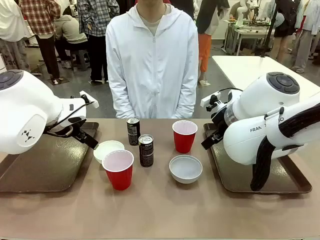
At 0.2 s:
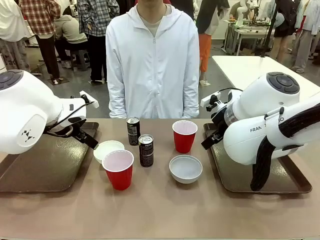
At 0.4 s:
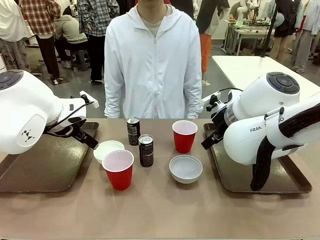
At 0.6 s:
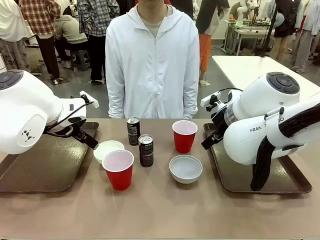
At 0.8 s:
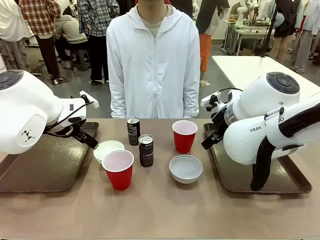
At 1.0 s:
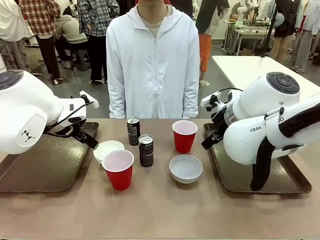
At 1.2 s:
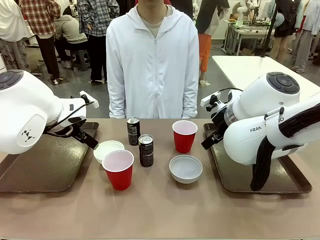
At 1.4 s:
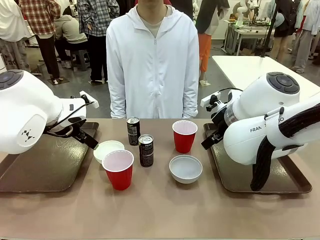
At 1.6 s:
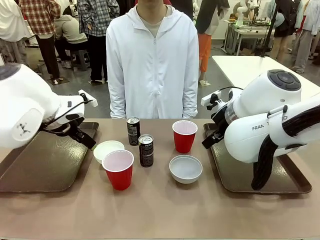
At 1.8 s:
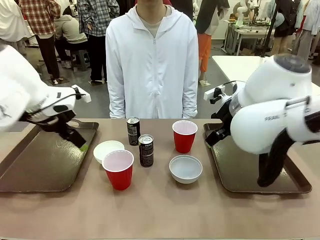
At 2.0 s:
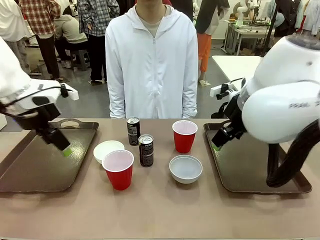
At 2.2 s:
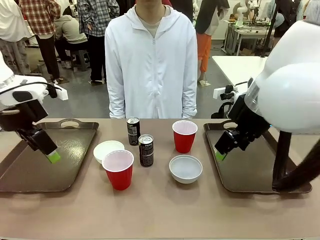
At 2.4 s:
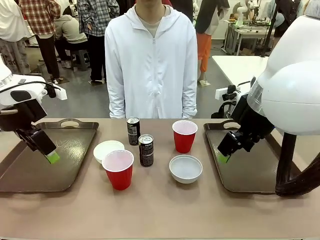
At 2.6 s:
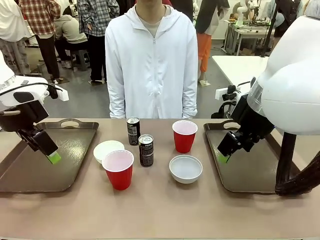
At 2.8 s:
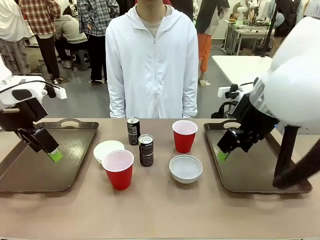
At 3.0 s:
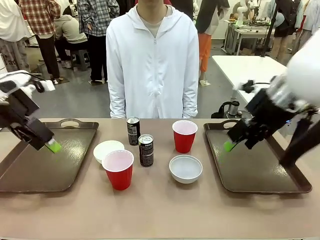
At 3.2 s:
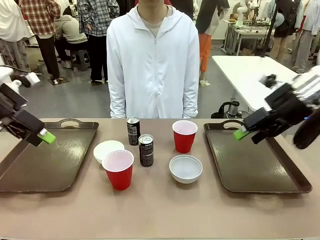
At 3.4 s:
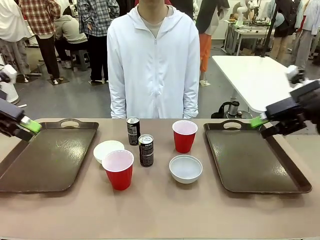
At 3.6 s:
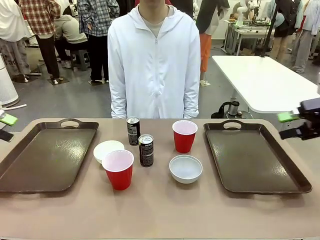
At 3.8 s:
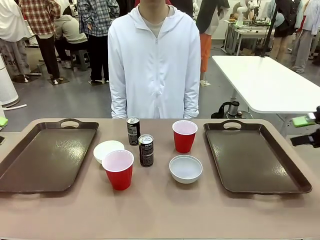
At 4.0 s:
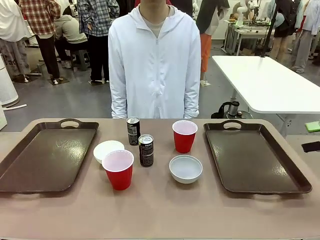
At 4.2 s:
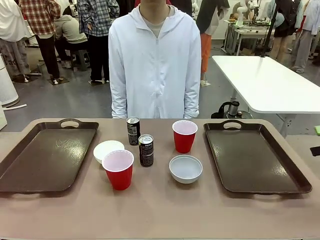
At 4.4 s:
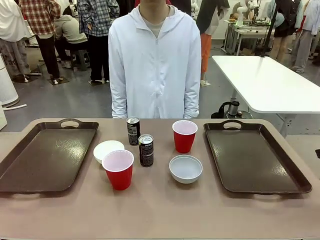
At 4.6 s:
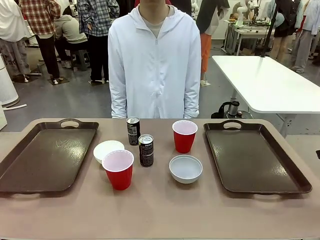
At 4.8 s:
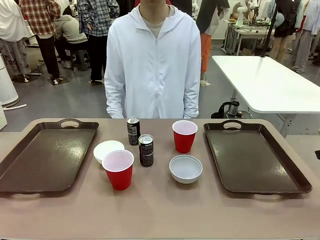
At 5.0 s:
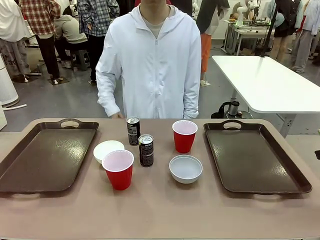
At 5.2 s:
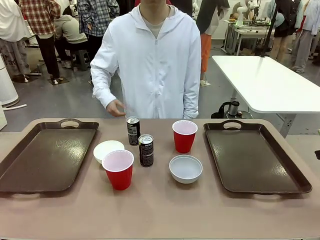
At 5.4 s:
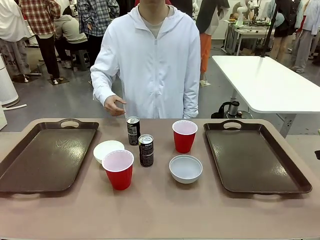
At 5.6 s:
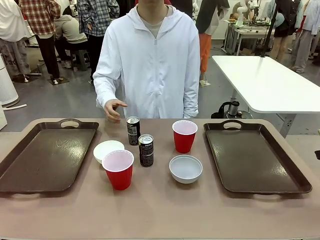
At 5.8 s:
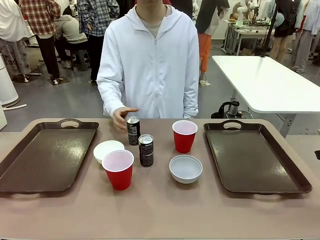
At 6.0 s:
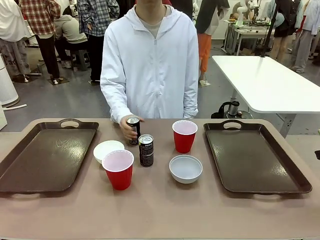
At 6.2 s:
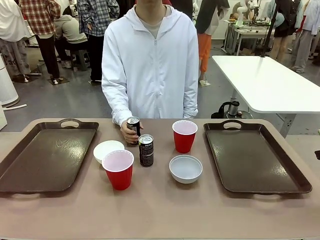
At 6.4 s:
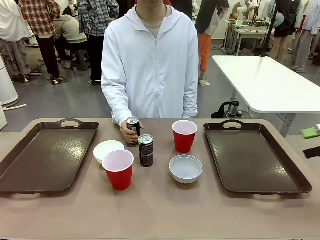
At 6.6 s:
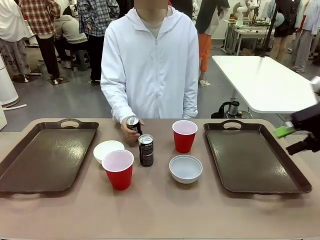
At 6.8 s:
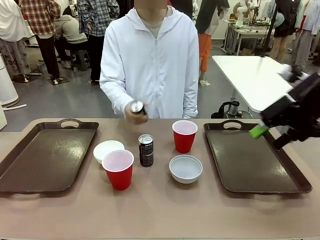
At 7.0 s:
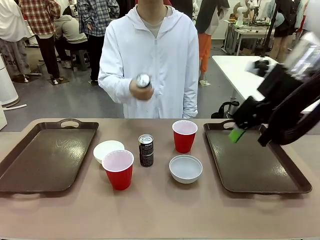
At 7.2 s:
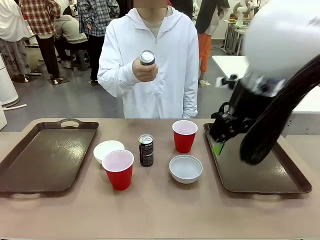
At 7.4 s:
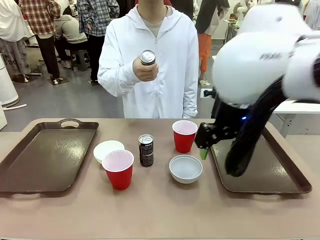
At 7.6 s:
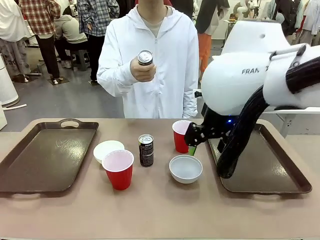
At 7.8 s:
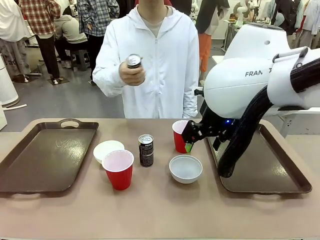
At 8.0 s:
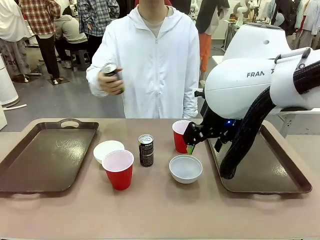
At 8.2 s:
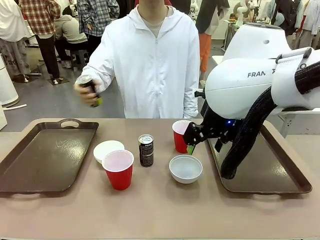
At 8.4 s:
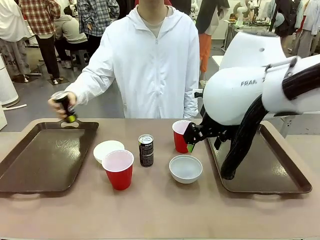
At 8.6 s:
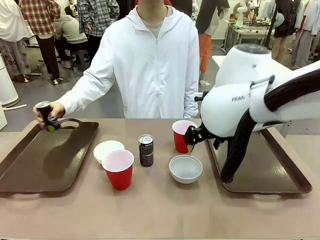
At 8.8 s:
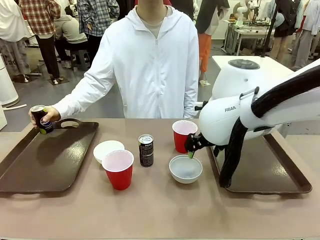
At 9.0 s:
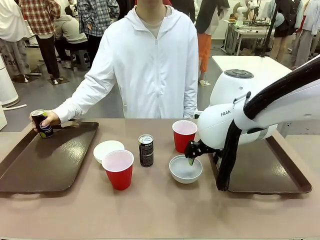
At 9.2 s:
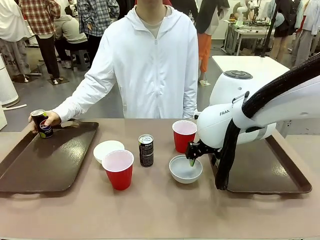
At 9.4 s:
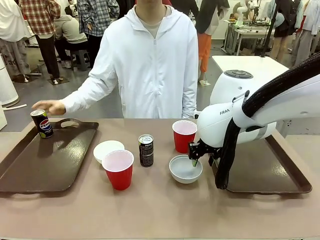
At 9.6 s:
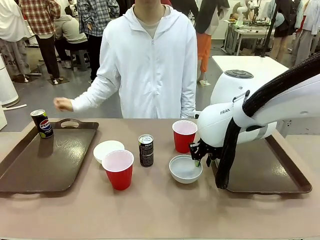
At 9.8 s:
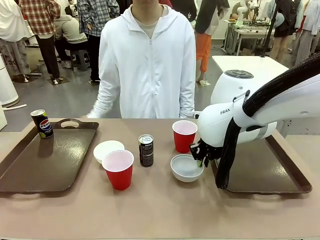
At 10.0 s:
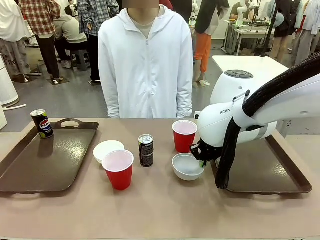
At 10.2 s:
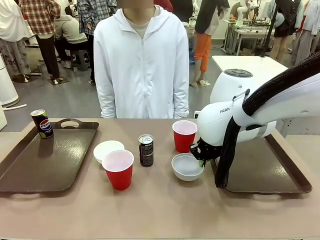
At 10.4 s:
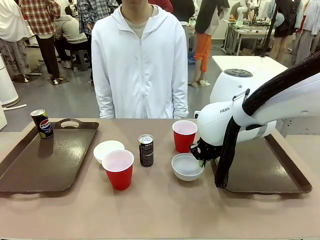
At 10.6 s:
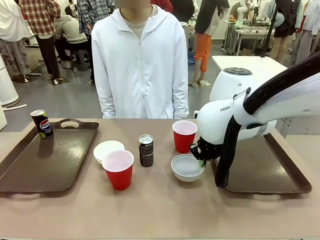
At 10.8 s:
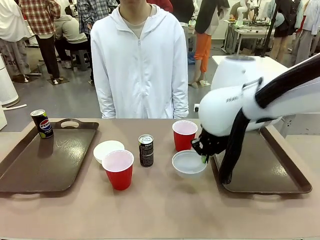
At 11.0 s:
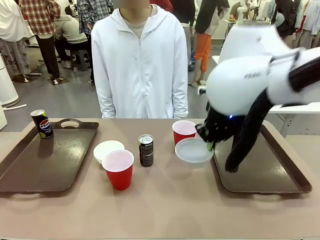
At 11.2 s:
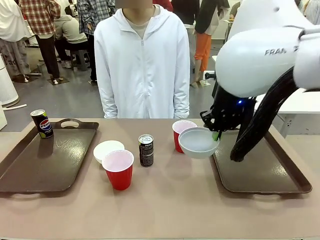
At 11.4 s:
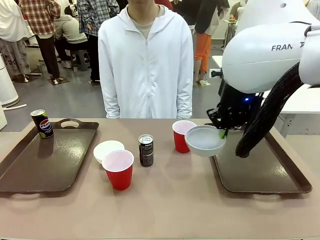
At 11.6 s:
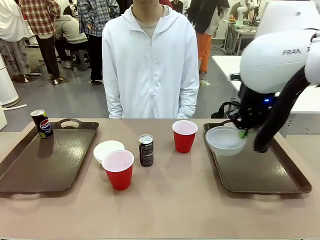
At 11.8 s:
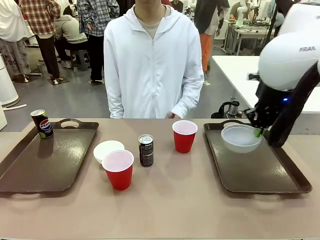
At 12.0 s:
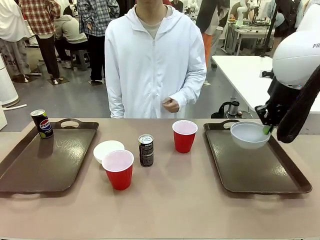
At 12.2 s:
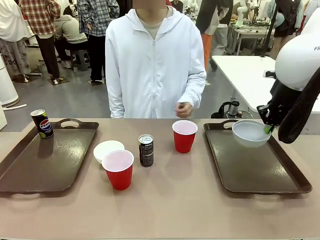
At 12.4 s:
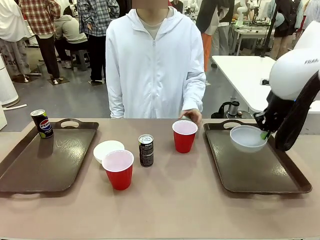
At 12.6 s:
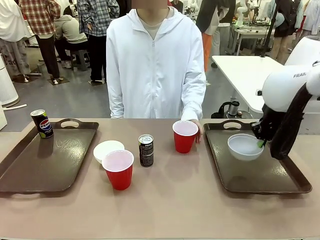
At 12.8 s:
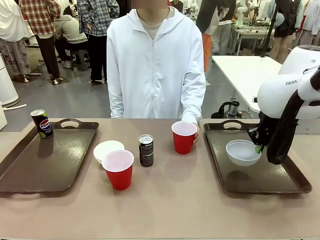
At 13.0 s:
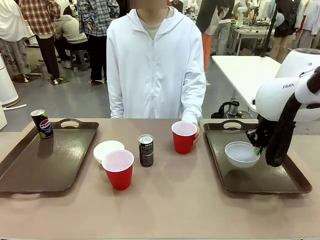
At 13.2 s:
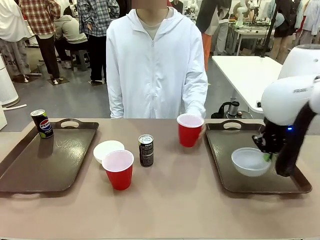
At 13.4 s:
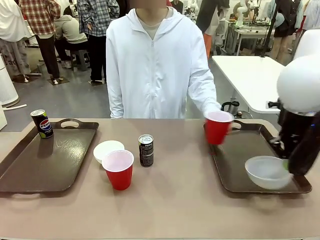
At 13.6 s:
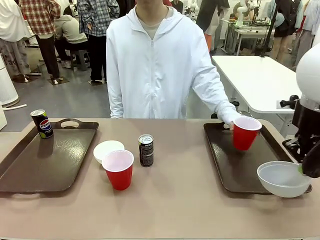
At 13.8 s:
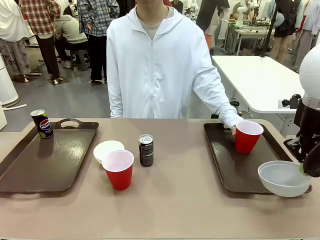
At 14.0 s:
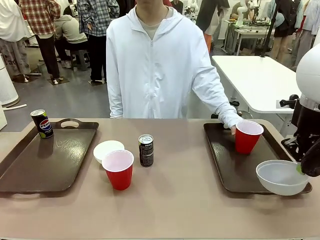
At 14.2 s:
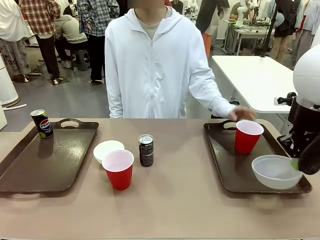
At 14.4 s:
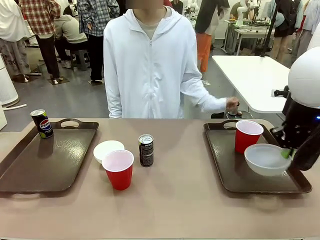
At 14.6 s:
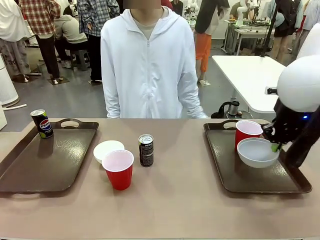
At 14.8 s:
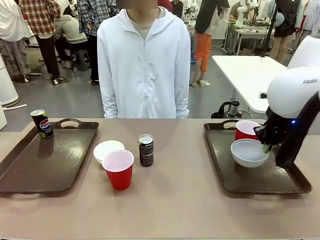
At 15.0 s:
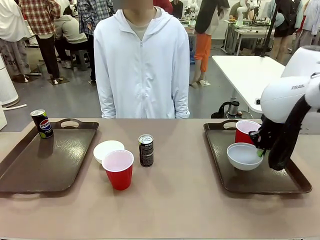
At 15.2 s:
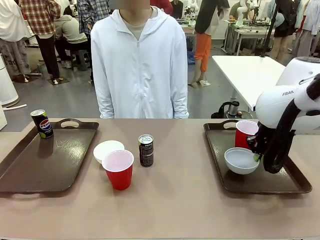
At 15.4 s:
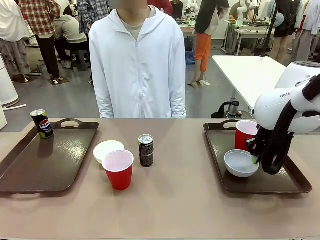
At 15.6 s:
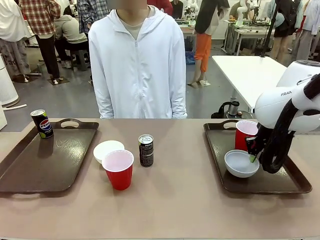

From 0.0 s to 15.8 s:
Task: Prepare tableware on both trays.
Robot: Pick up a Picnic Bowl from the table and place it on a Handle tray.
Person: Pick up a can or cup and place it on the tray.
